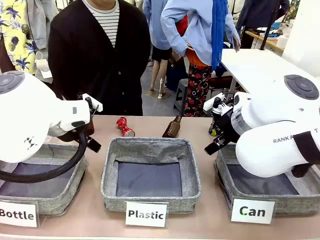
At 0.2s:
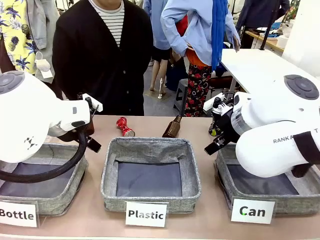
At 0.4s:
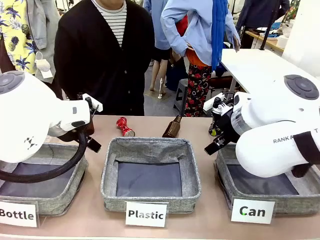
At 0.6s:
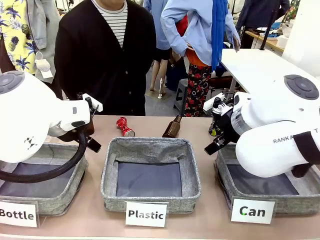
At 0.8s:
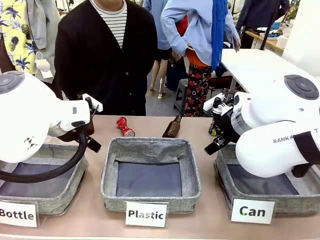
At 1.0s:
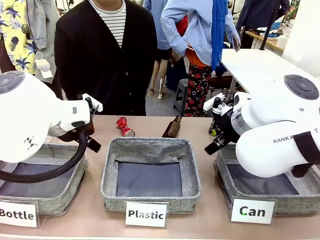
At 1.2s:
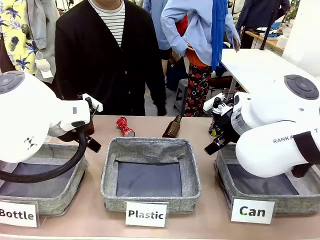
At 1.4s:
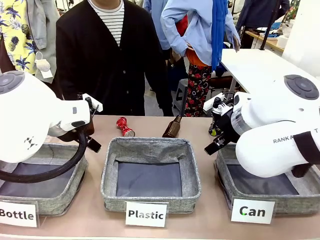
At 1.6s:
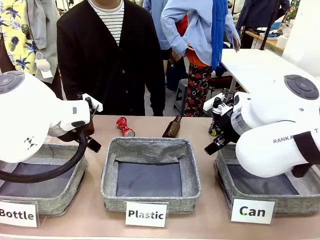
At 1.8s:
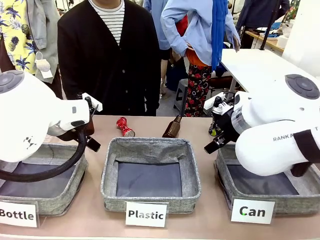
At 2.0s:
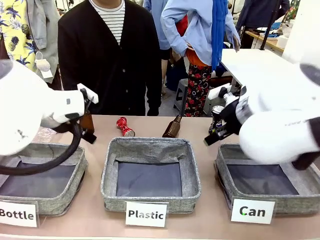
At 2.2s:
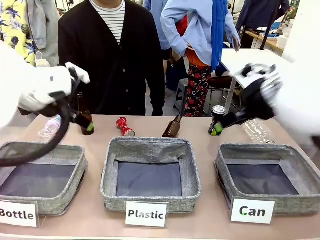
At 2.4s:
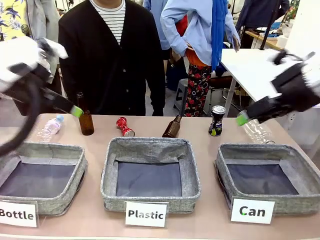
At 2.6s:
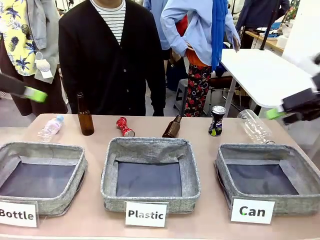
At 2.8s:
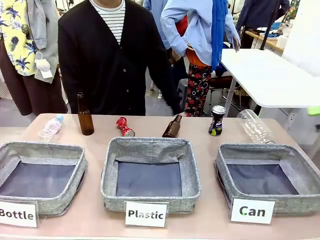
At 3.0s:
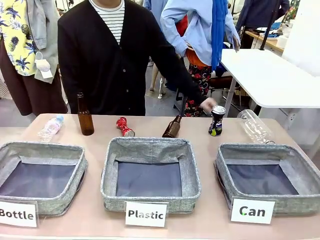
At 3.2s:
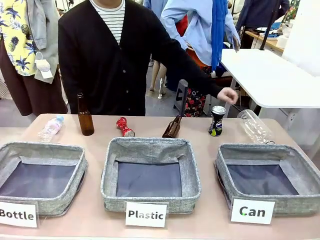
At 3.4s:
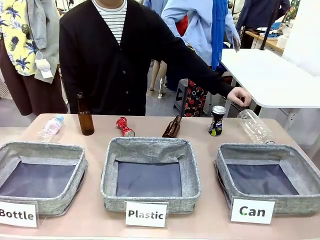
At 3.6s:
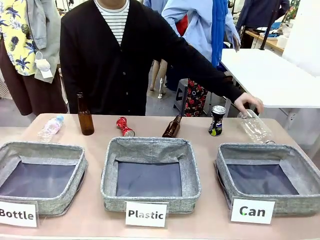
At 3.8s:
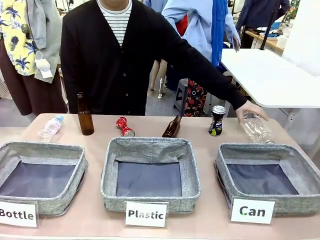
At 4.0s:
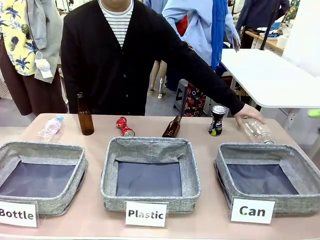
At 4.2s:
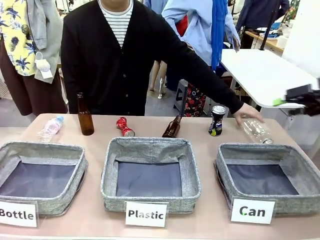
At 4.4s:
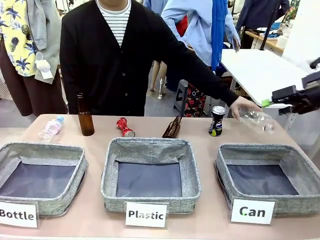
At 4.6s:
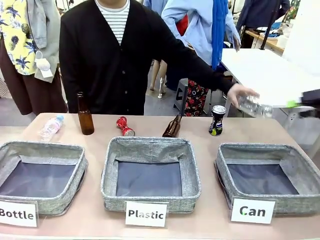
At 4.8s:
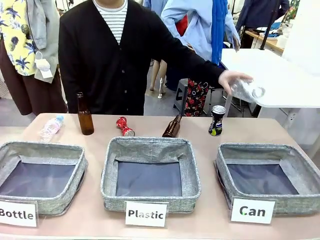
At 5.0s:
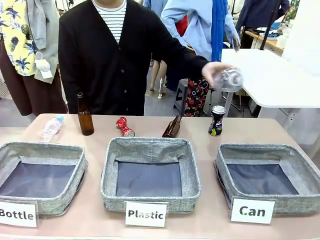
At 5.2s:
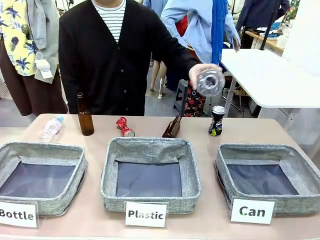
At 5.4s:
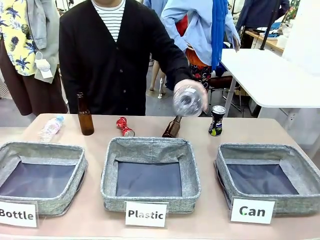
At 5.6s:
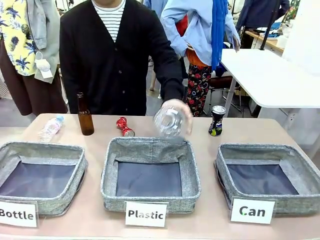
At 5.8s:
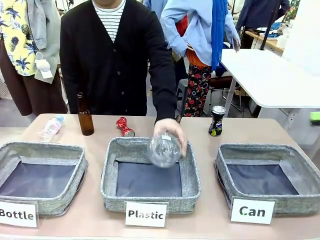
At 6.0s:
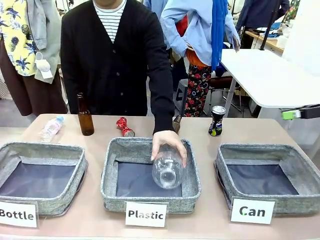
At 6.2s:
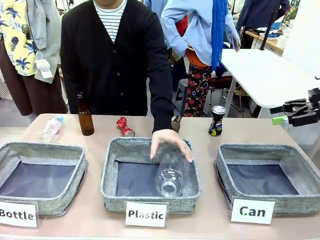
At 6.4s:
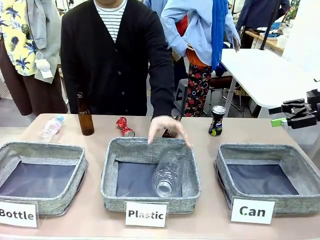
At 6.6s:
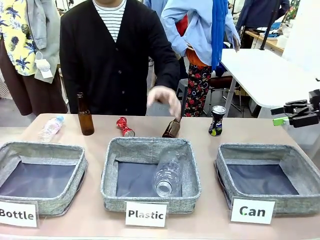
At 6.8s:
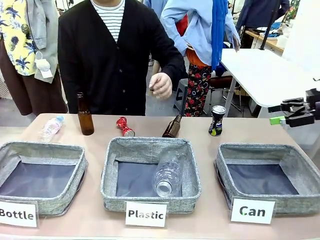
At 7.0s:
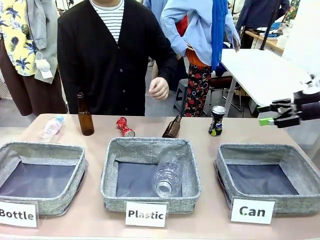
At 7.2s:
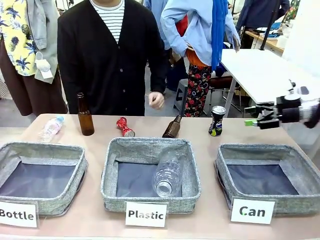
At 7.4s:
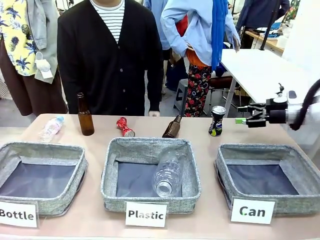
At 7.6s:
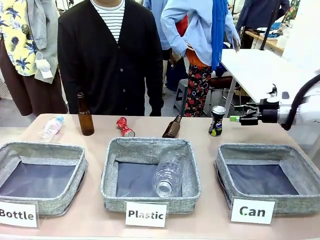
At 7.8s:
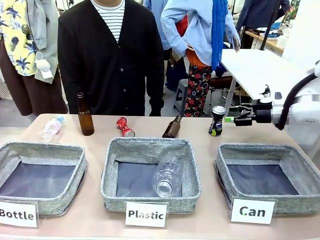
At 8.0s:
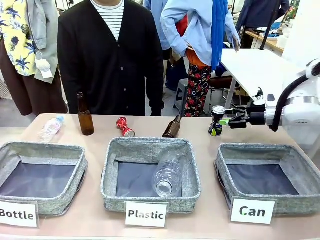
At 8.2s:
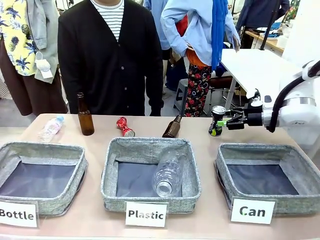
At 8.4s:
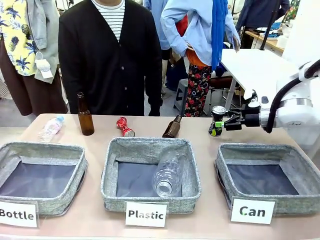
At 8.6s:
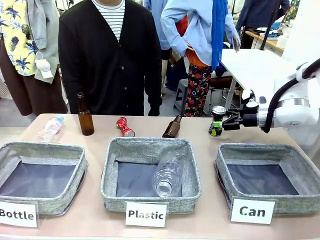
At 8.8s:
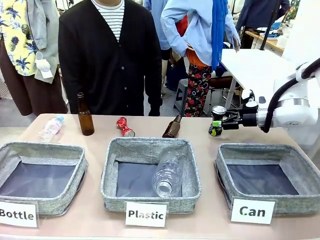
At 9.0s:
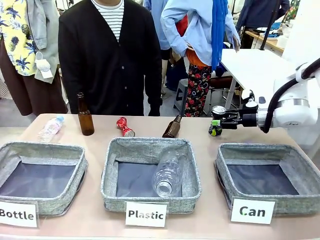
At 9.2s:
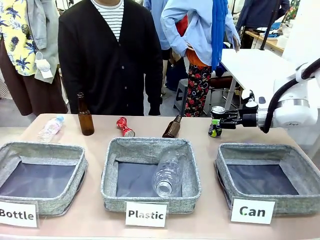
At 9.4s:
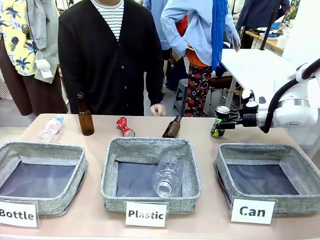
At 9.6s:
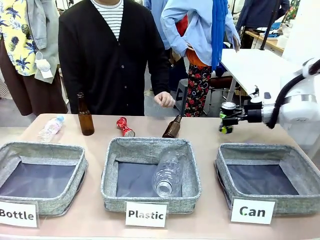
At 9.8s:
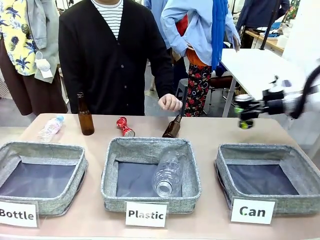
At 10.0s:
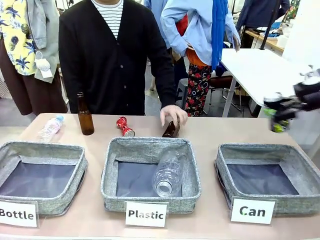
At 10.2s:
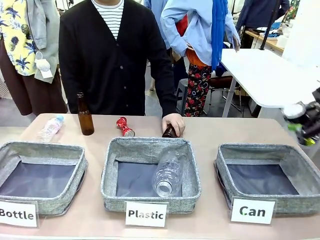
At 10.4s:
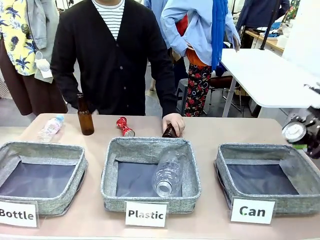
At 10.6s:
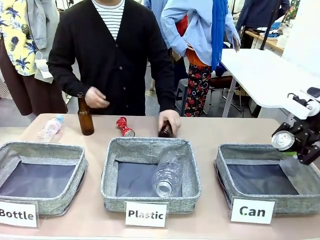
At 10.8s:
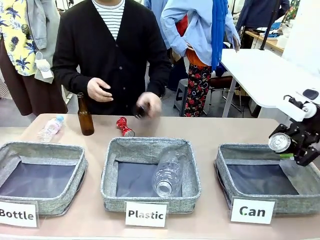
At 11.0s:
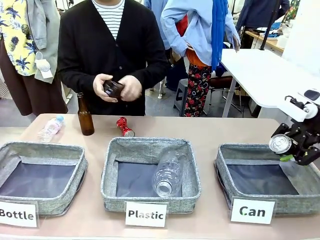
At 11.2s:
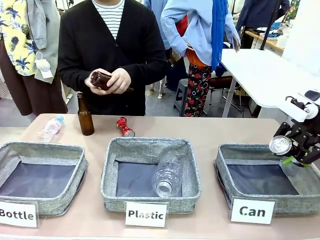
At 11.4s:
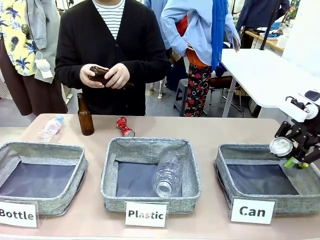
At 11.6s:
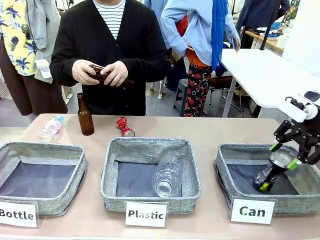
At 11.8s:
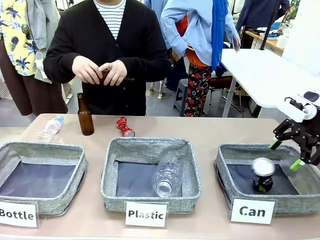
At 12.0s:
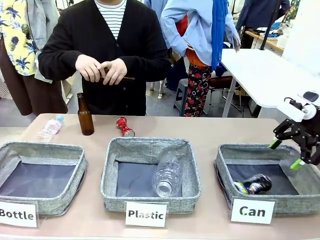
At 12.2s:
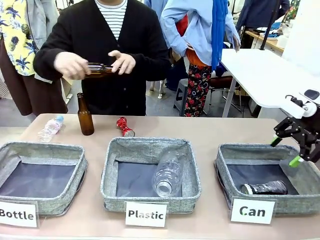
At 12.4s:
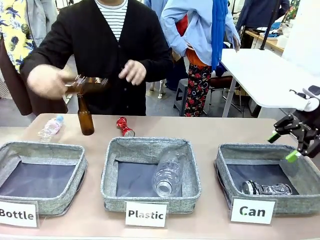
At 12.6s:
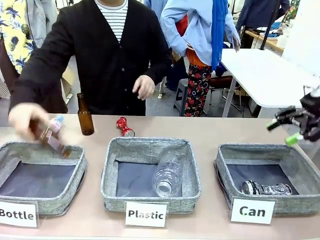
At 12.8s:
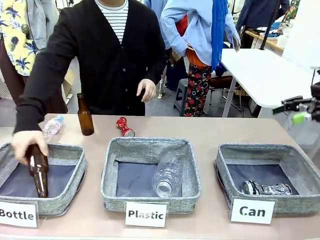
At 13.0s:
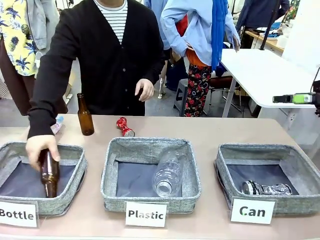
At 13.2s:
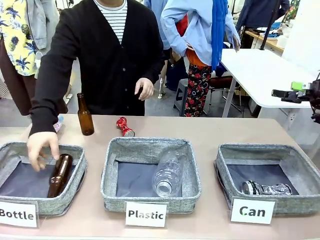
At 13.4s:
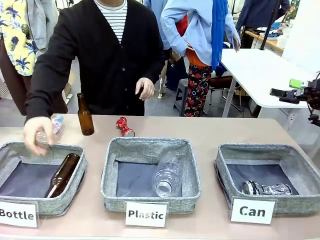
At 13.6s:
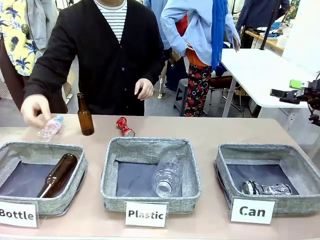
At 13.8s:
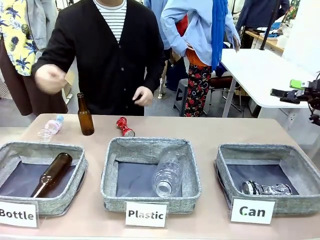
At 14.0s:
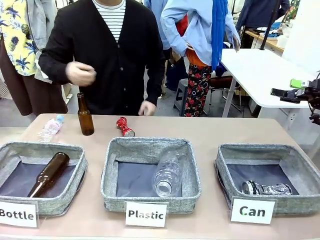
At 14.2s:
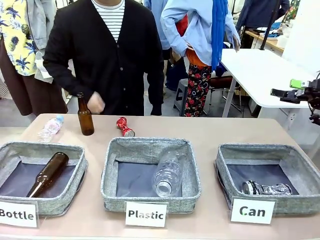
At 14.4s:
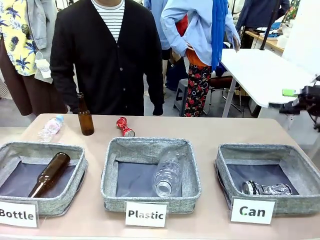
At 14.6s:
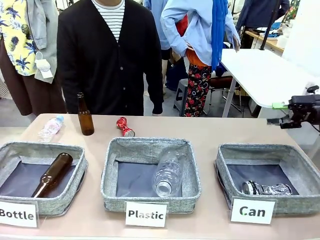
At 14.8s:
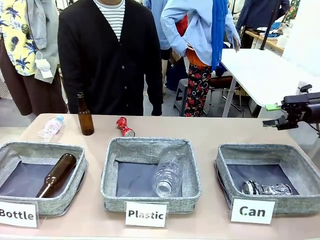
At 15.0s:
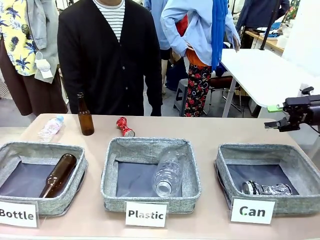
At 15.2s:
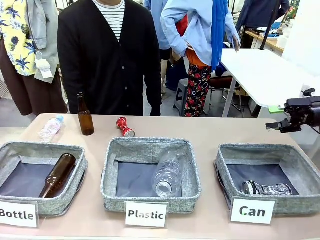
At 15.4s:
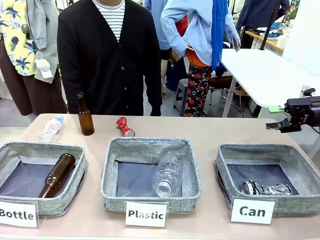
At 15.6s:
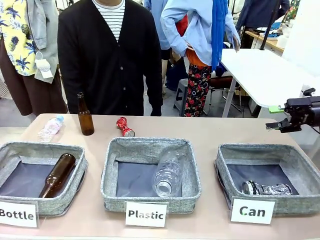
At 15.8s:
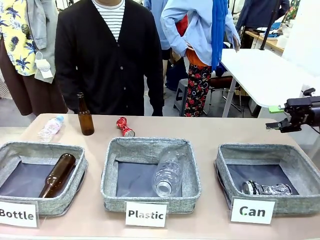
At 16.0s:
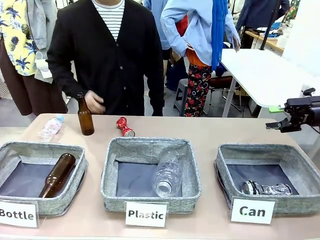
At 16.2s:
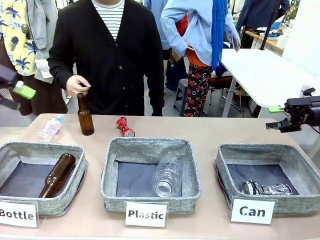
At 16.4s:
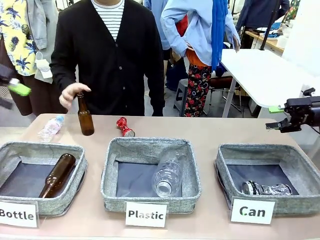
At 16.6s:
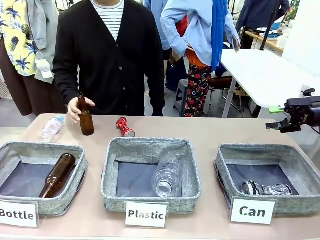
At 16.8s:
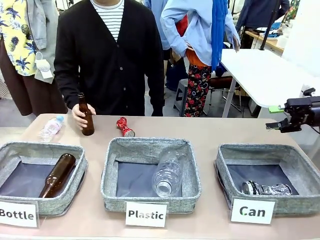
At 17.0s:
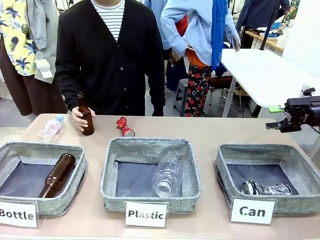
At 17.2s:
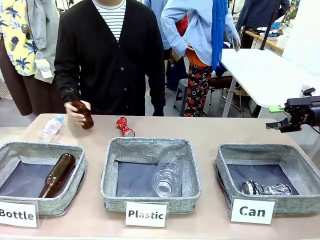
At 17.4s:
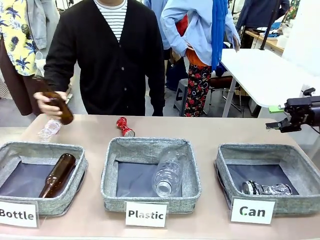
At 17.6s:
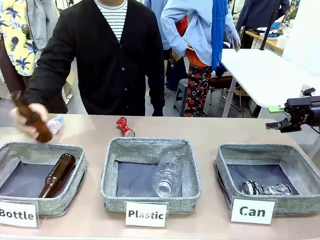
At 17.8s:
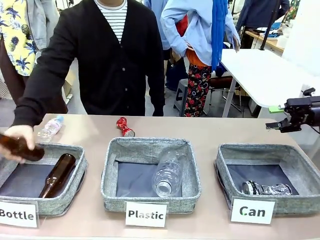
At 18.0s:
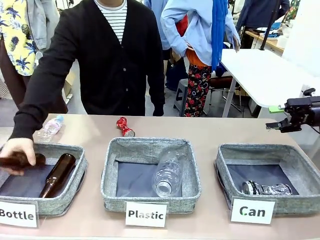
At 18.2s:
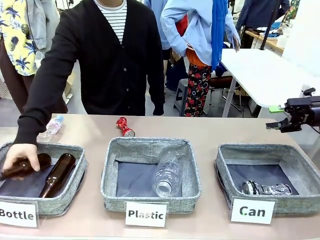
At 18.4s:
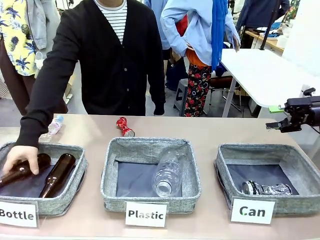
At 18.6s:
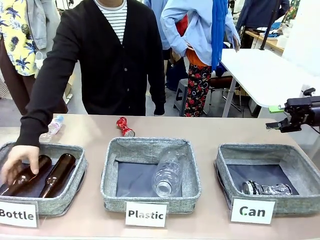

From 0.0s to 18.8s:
Task: Sort the can waste into the basket.
Robot: Pick up the can waste from the table and place it in the right Fabric basket.
